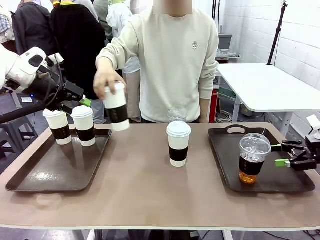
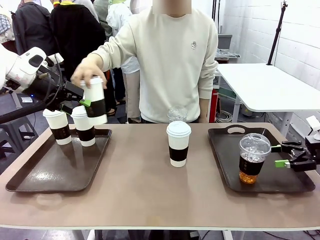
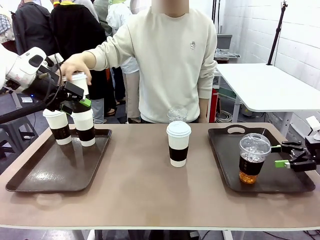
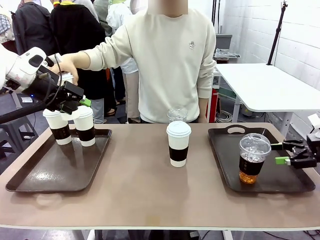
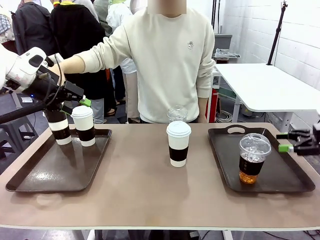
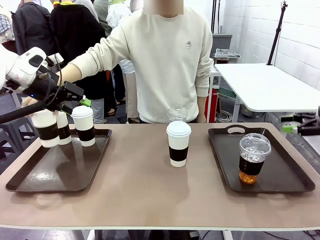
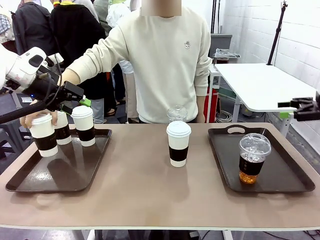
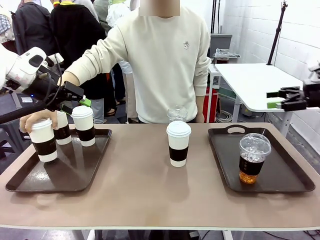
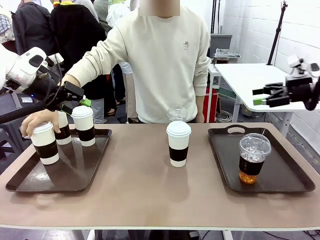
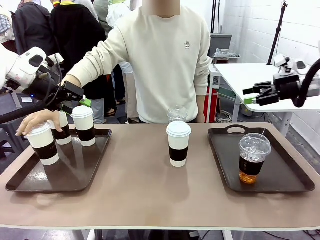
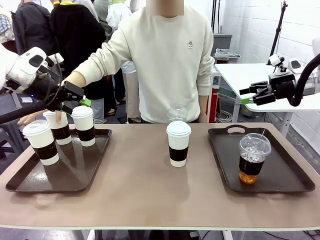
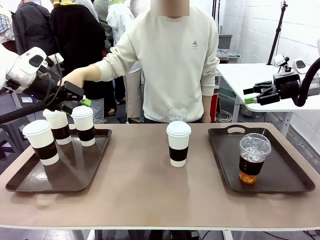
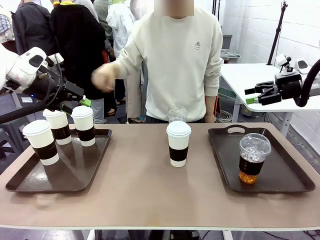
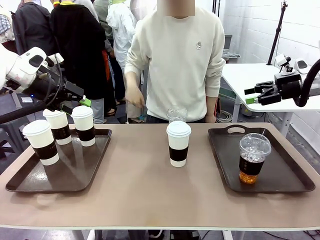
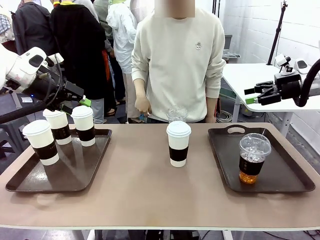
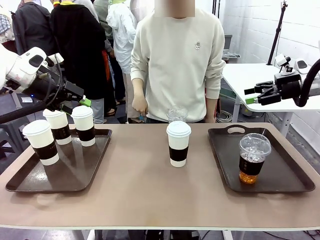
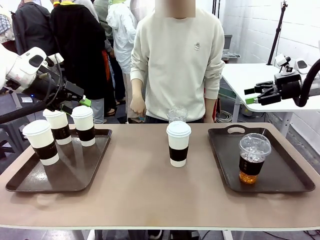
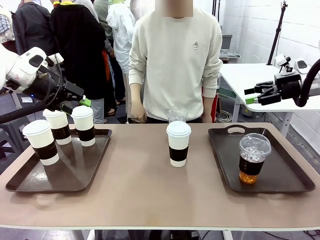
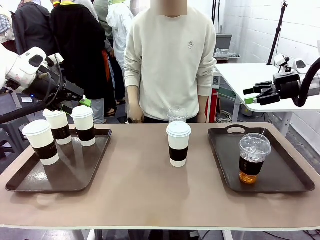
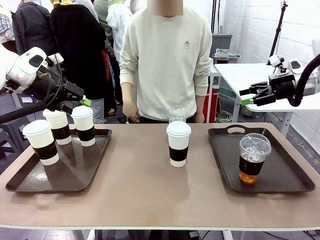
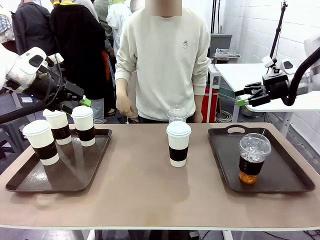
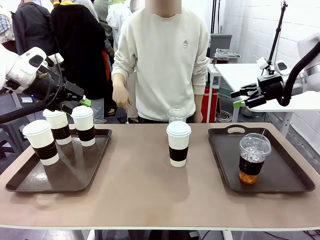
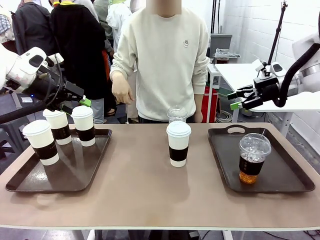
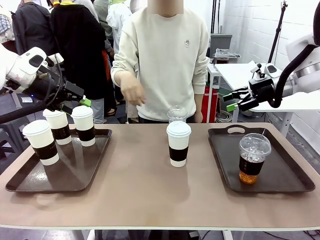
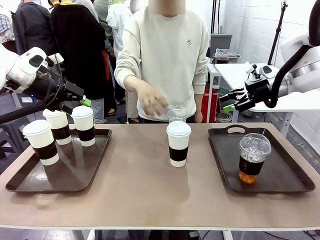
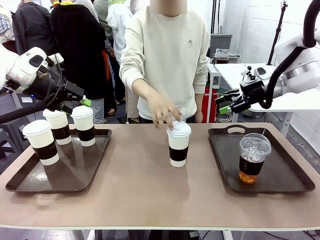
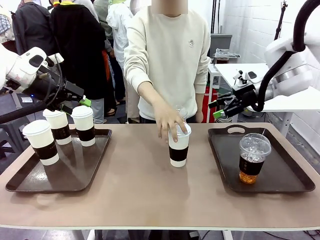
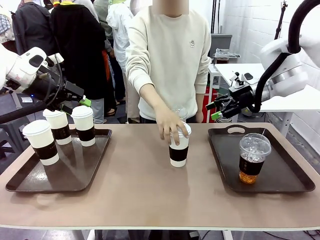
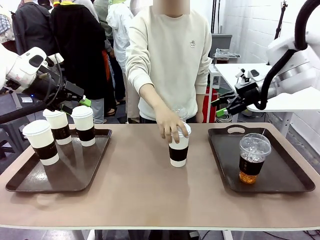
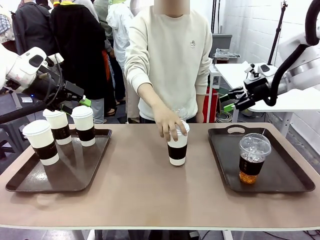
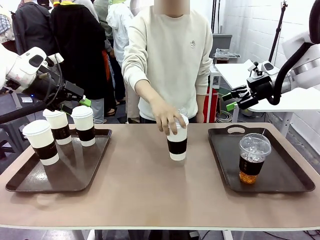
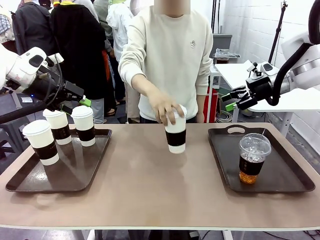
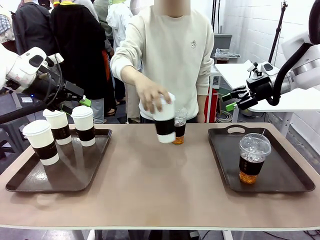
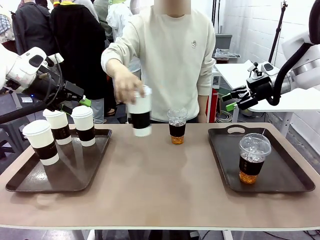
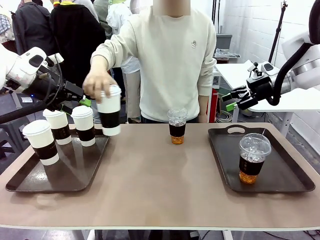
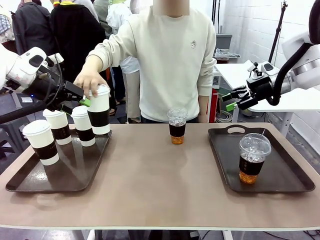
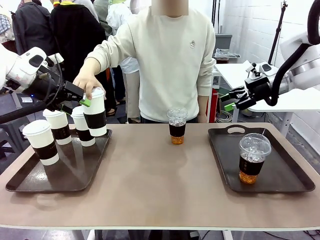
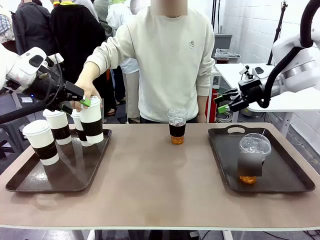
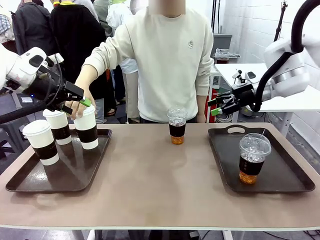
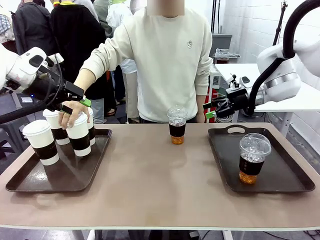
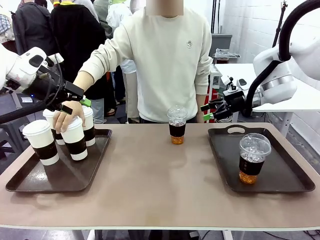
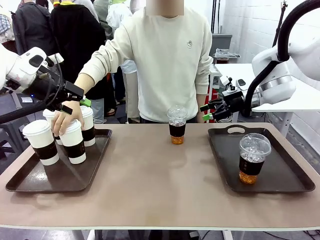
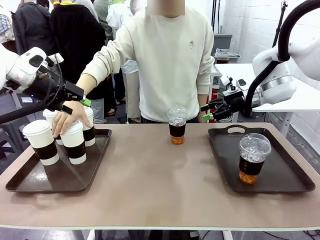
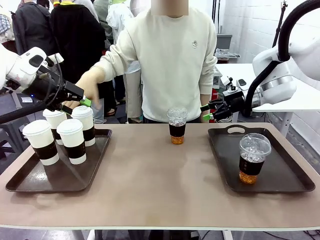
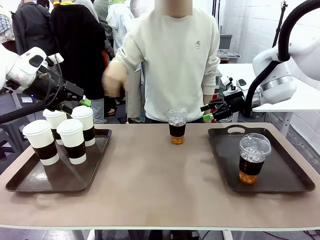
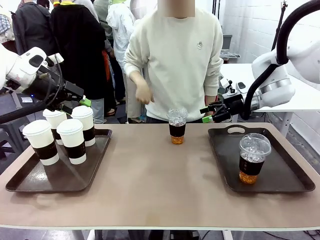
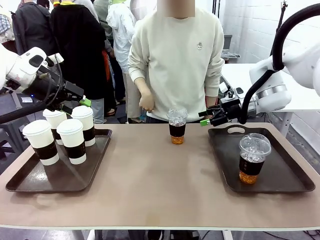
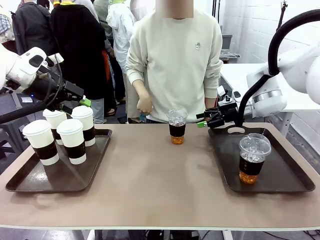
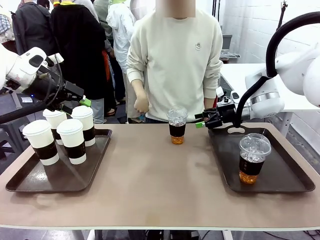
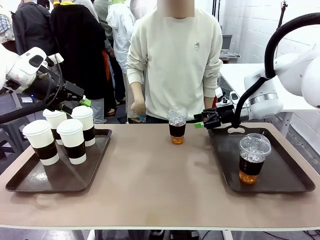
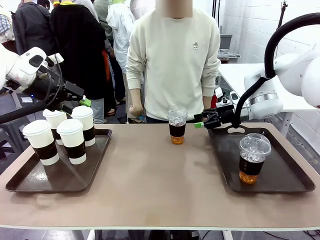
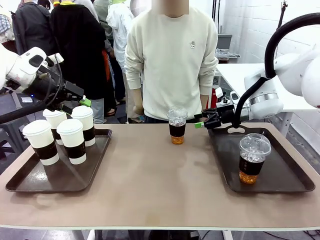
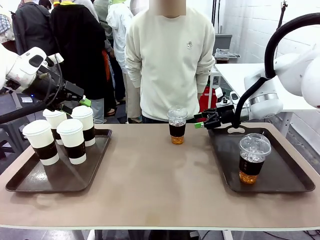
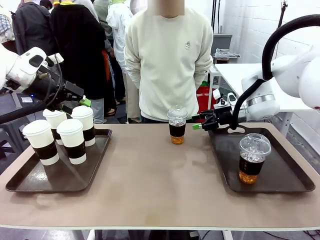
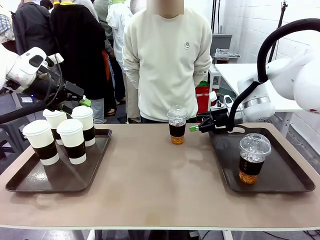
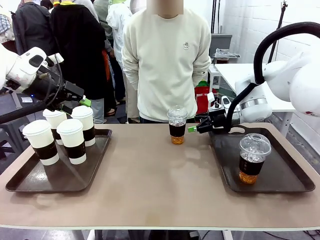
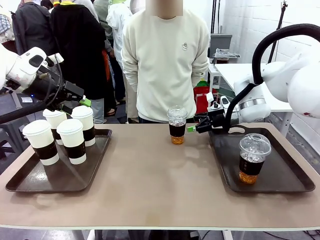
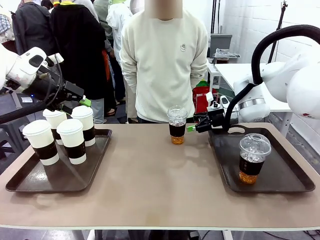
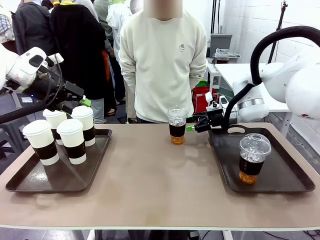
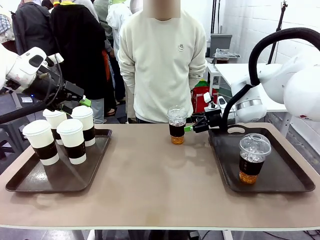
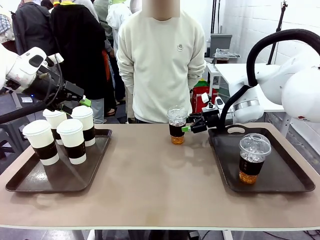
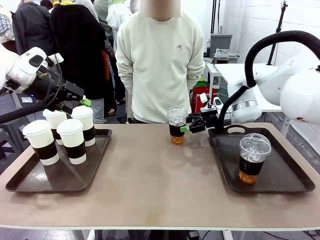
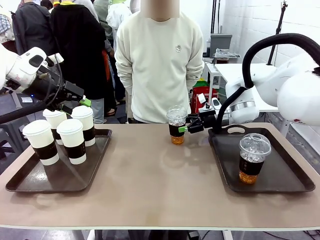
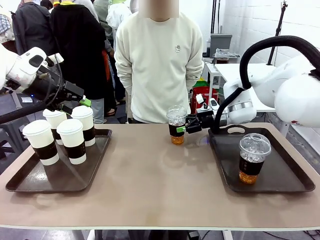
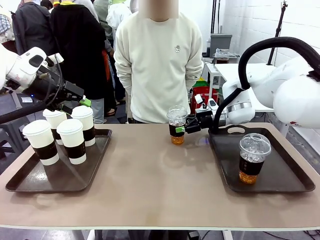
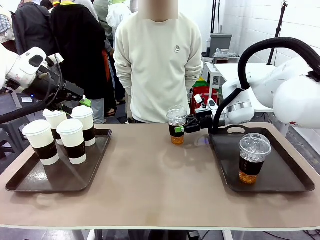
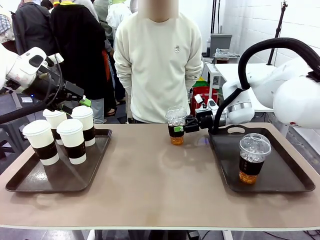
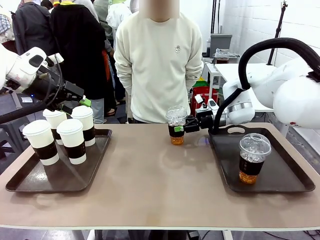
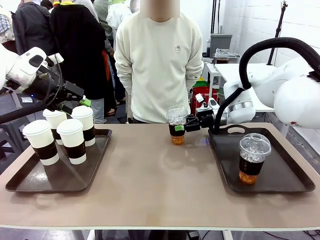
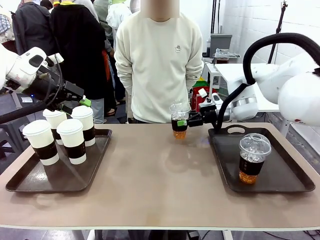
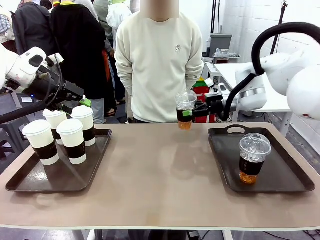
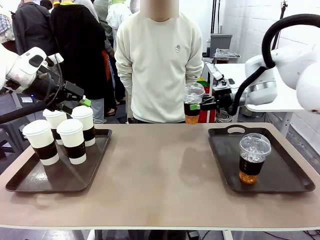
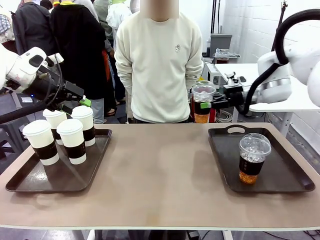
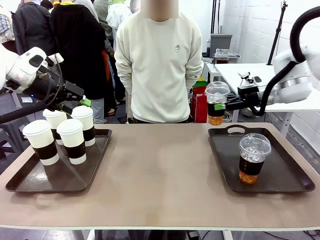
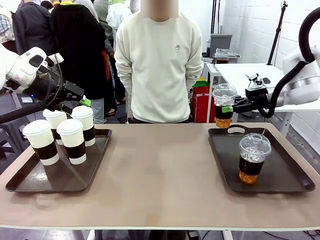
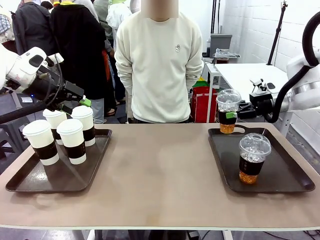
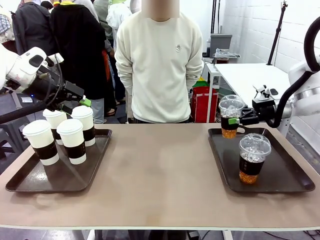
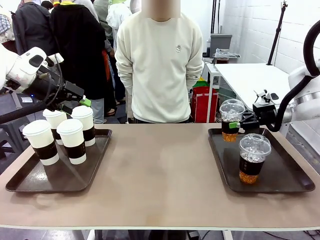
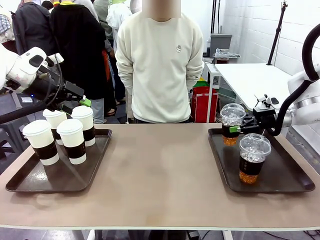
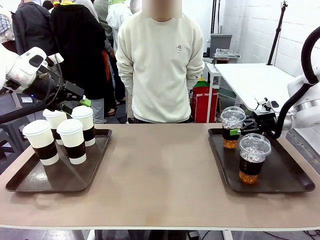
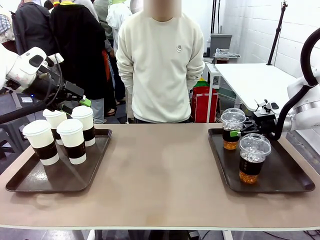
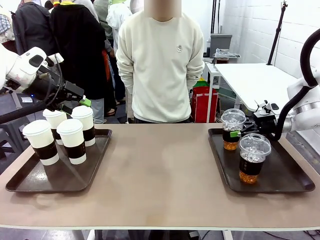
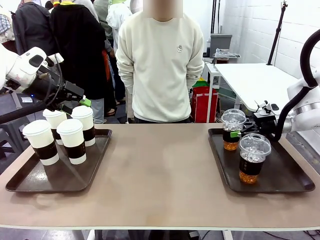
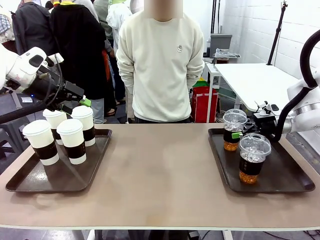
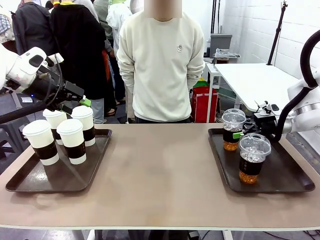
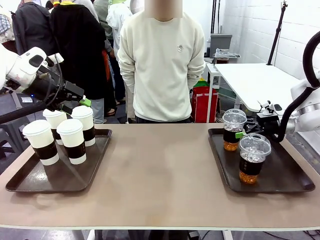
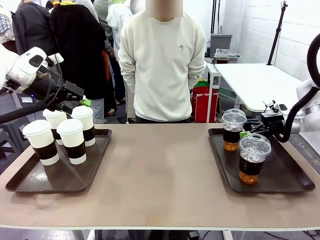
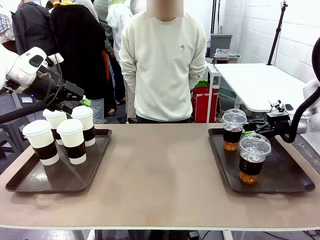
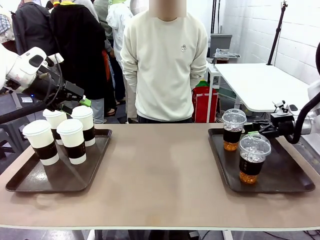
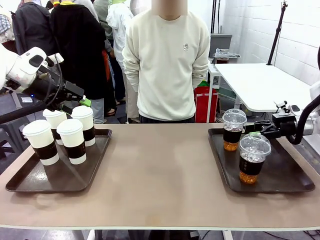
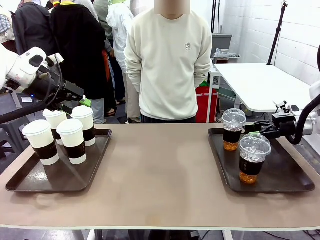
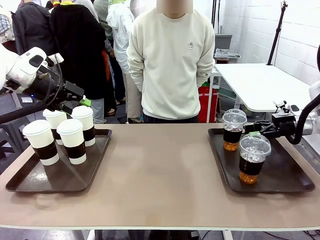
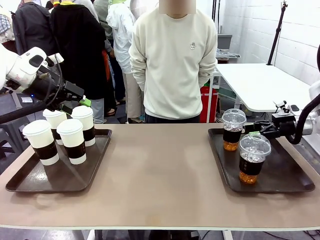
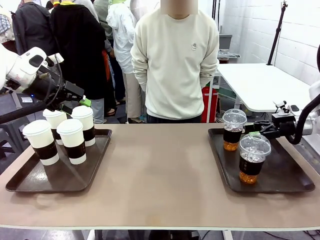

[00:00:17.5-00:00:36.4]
Task: Distribute the coffee onto the tray.
Robot: Pick up another iced Americano from the middle of the table and place it on the right Handle tray.
Person: Pick up a cup of hot Americano from the middle of the table and place it on the right tray.
